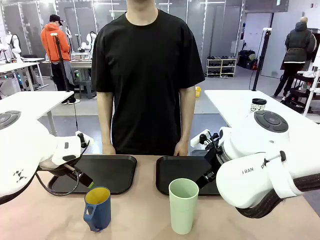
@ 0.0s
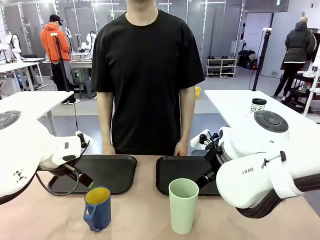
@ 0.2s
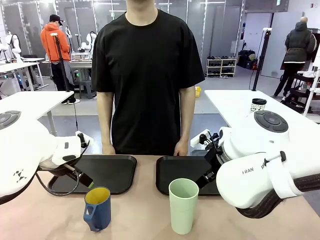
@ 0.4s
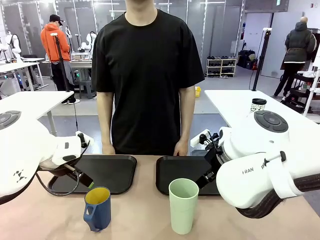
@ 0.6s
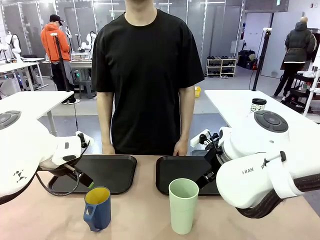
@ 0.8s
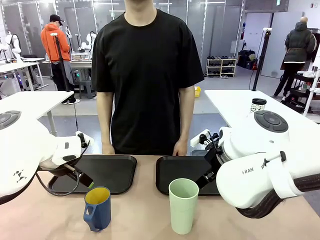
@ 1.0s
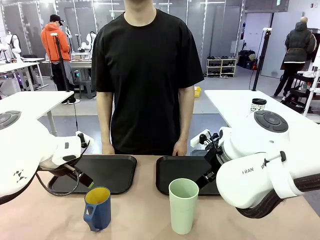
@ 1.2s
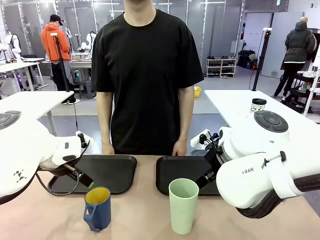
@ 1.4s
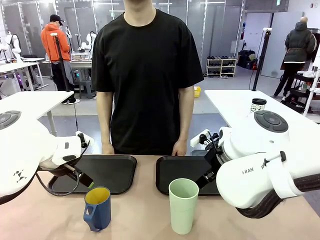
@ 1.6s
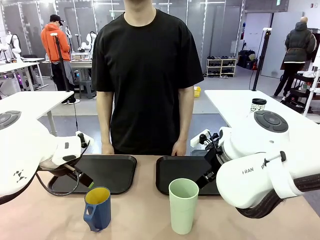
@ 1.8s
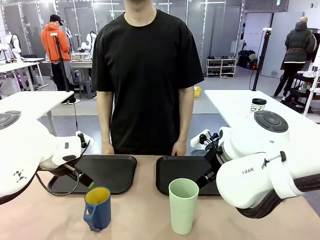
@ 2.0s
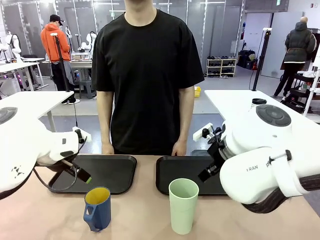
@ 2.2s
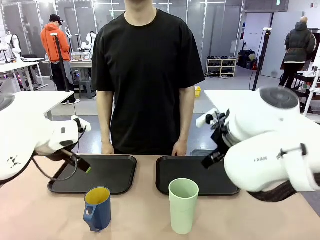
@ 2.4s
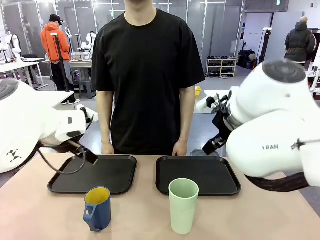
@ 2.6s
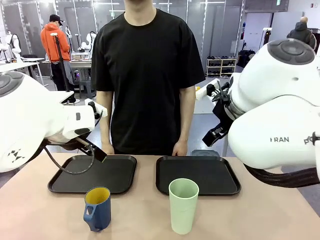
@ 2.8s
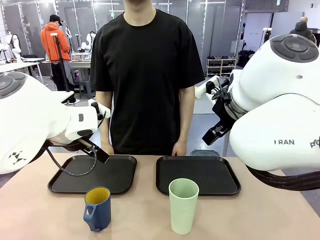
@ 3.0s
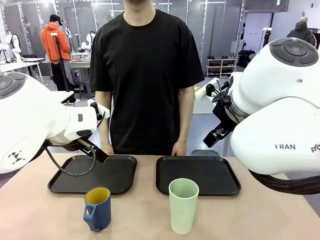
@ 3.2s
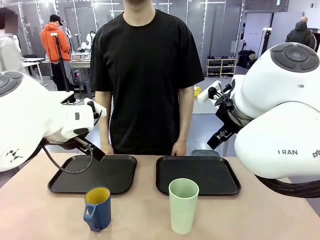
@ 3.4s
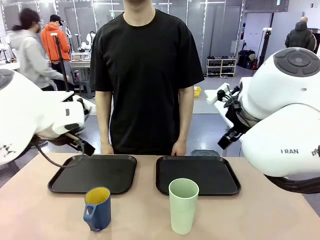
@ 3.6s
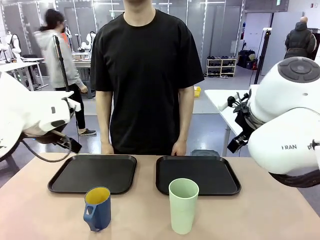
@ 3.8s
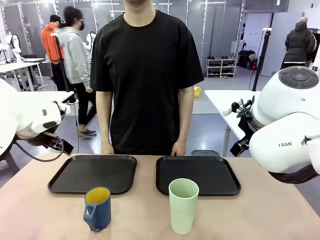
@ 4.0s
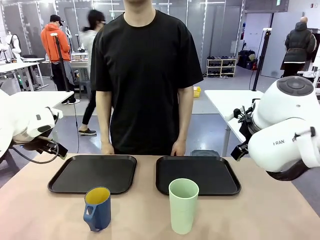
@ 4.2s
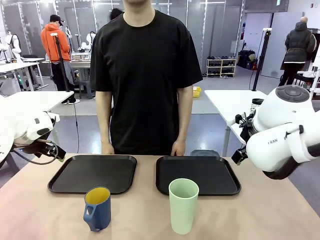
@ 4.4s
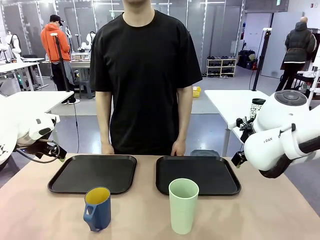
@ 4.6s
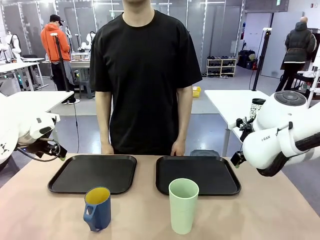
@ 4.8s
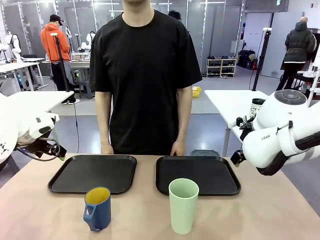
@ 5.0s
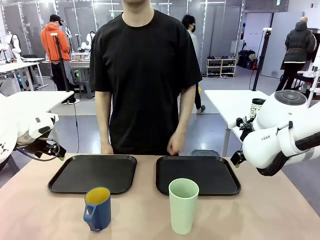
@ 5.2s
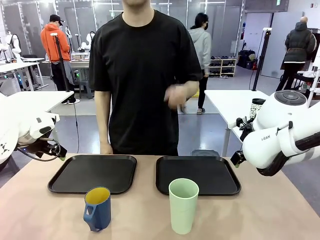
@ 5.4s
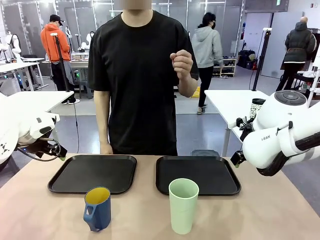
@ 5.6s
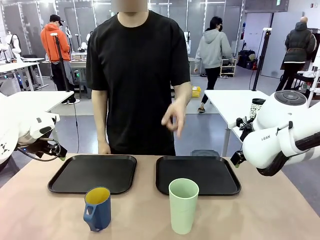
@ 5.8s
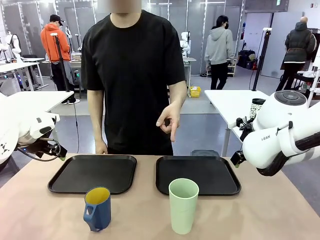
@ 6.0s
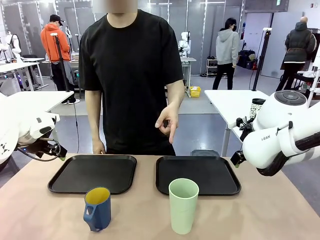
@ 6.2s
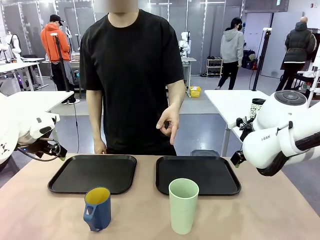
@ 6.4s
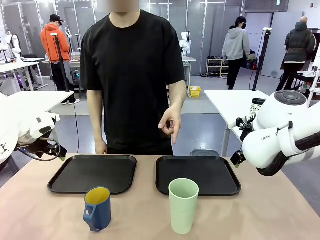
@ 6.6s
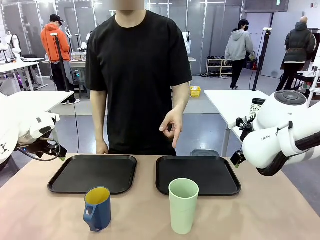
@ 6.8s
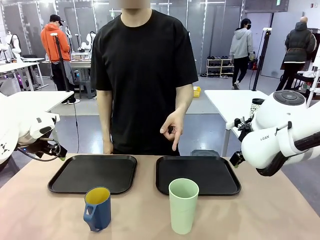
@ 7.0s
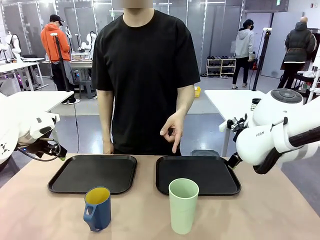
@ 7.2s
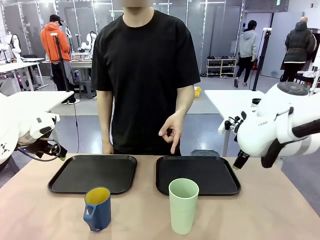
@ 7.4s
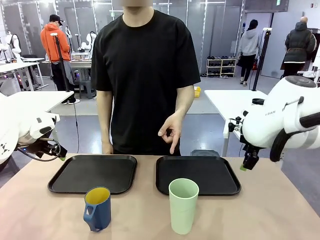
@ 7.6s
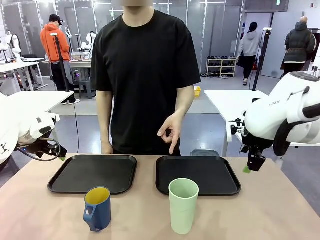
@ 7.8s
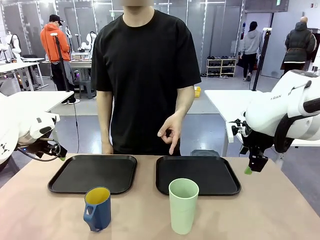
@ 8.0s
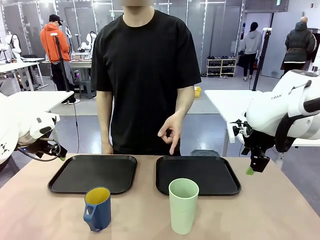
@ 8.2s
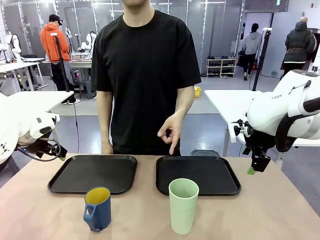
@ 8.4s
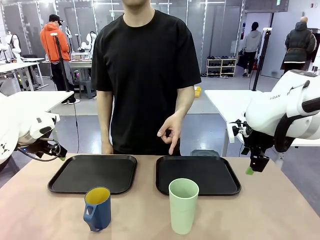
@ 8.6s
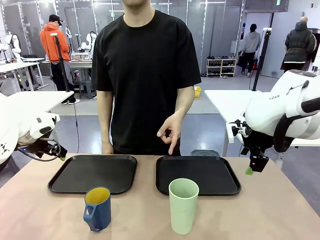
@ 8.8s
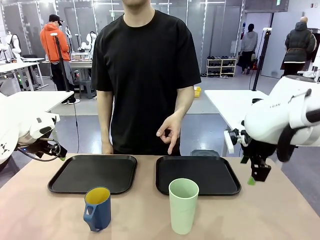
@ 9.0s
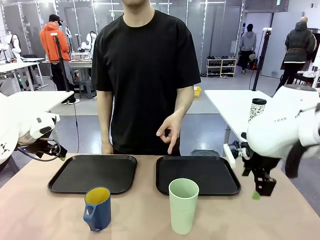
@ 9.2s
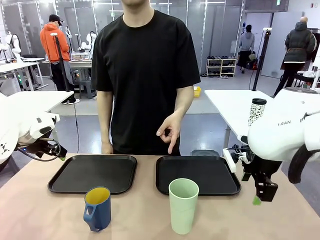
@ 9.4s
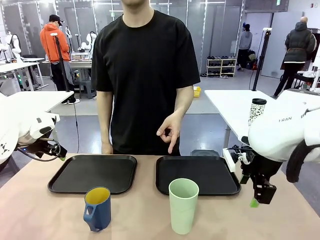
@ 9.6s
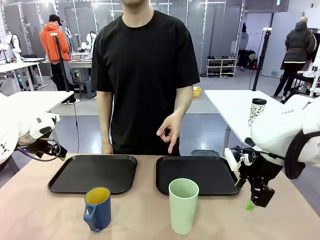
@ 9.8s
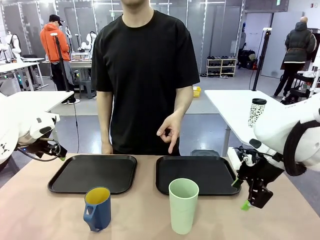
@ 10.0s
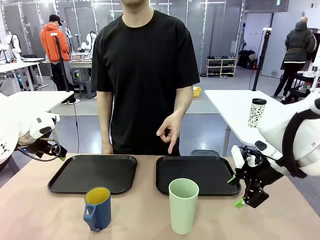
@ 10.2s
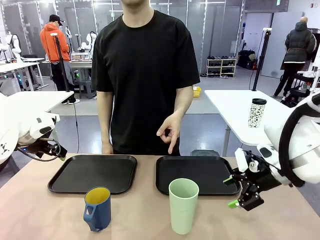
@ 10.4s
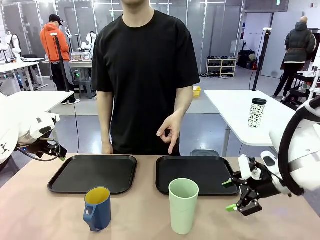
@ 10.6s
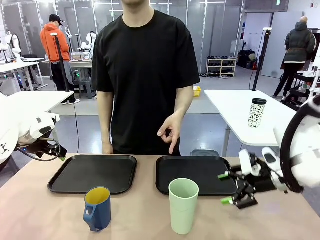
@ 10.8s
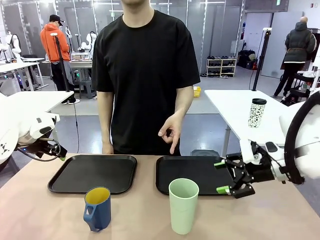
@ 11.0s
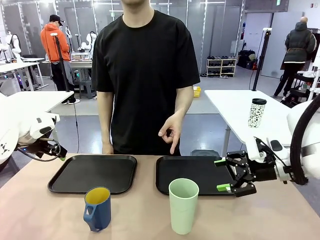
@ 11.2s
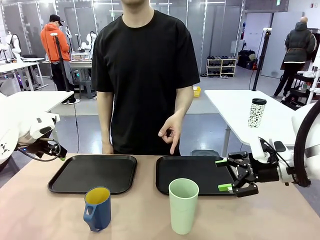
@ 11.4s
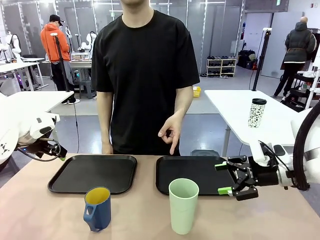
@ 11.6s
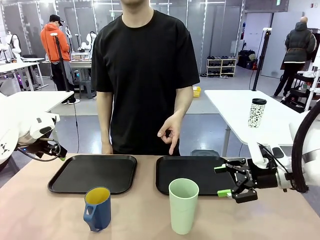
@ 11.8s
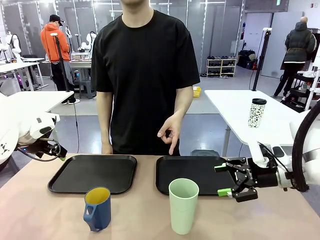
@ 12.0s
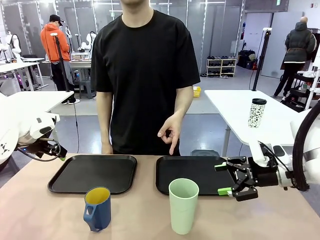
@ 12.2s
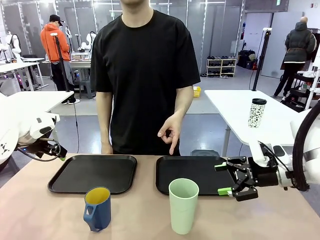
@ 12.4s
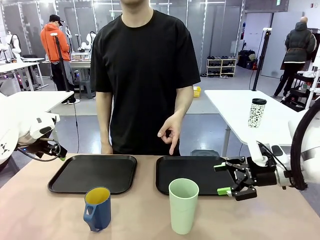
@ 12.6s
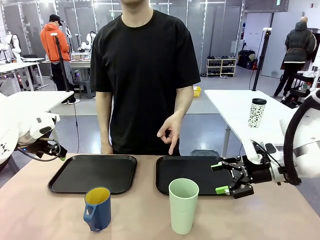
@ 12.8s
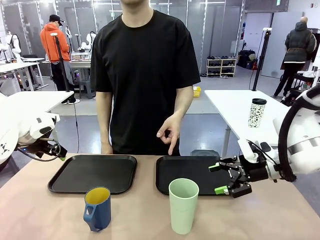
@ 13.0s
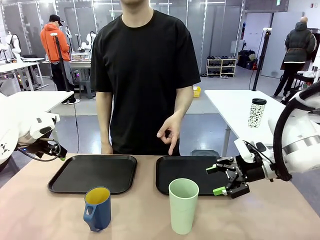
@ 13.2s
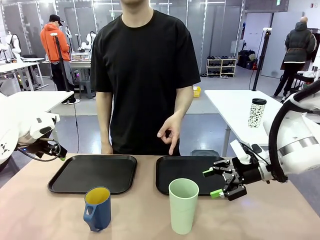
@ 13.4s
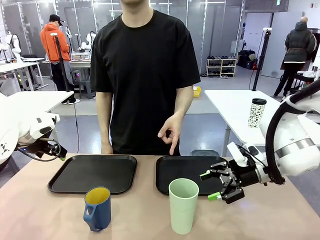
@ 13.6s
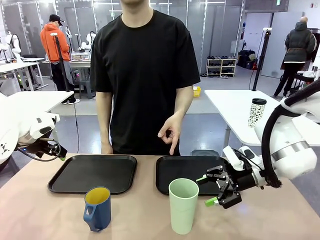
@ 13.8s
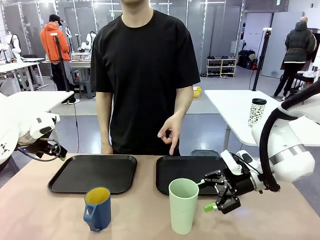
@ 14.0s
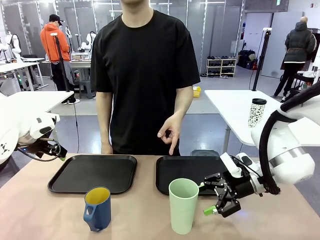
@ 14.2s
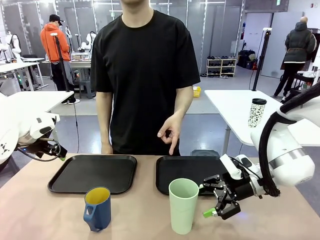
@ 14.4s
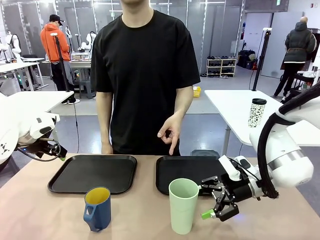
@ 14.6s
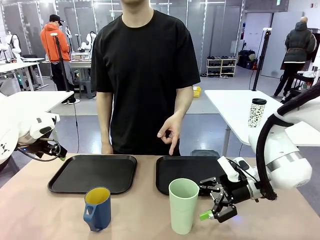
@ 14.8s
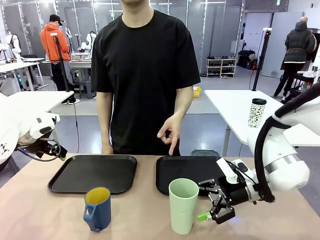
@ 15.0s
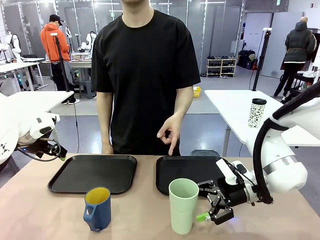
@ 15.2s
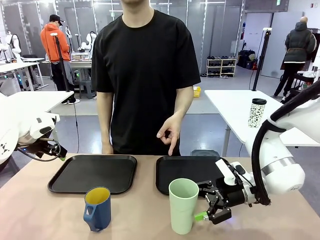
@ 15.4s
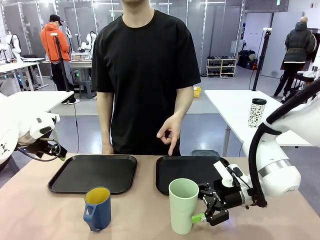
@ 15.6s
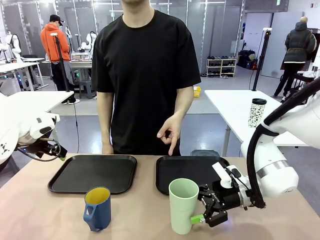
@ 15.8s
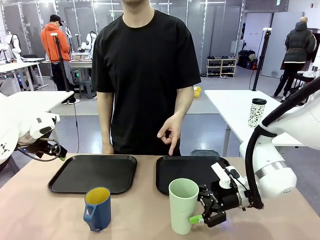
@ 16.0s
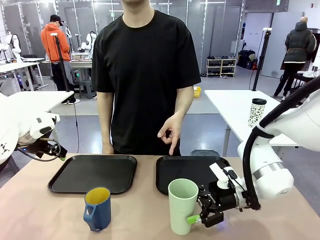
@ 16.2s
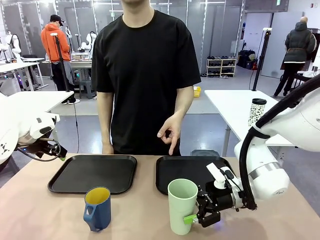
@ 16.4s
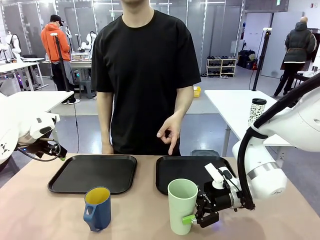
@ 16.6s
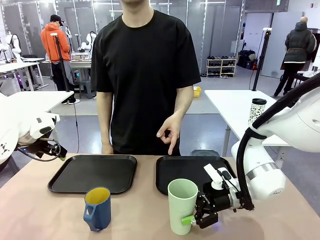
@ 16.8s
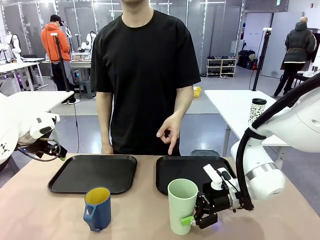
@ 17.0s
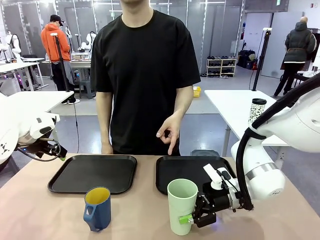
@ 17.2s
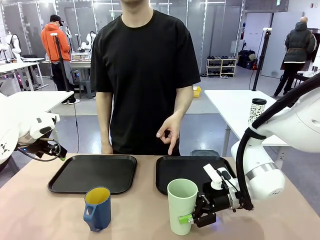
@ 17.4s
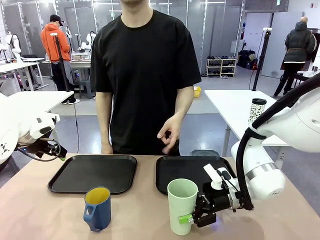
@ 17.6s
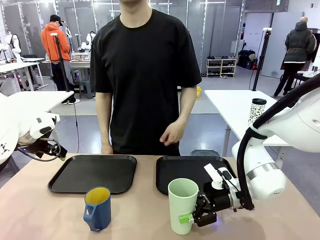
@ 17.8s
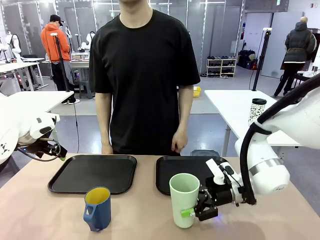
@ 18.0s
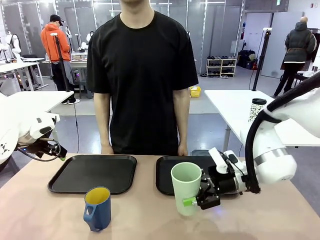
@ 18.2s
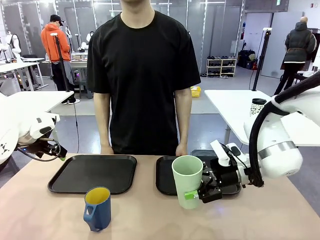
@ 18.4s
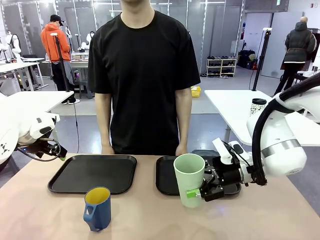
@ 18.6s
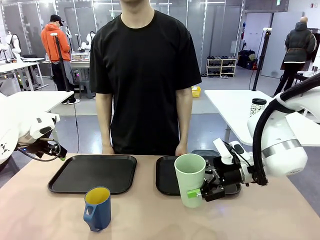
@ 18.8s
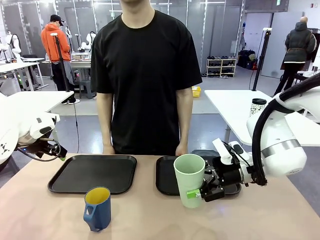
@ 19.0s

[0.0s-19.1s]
Task: Sort and store the cups by type.
Robot: Pick up the Reusable plastic cup.
Person: Points to the reusable cup. Point to one of the two trays.
